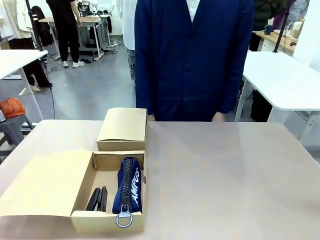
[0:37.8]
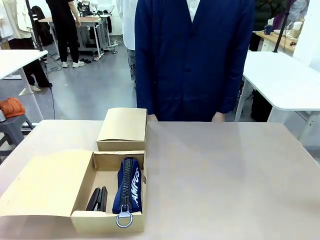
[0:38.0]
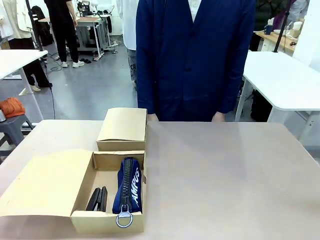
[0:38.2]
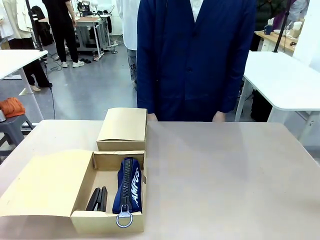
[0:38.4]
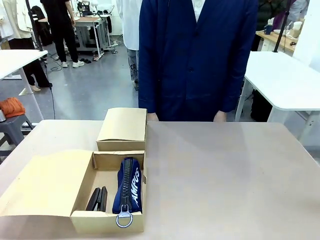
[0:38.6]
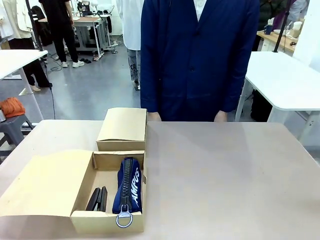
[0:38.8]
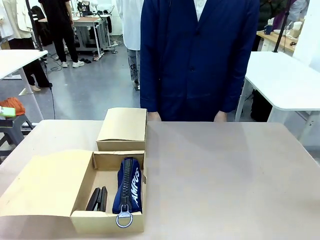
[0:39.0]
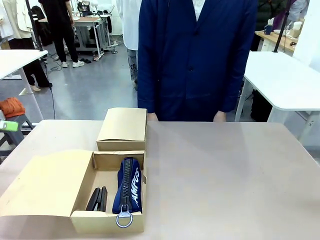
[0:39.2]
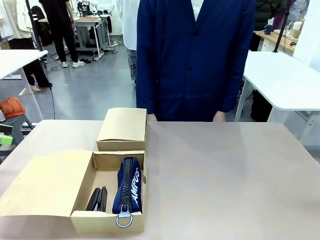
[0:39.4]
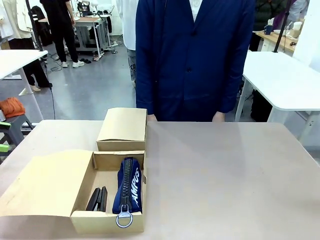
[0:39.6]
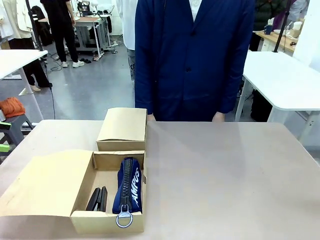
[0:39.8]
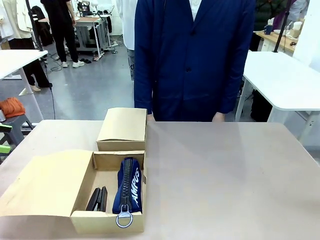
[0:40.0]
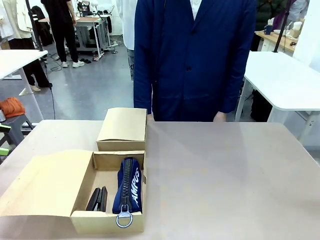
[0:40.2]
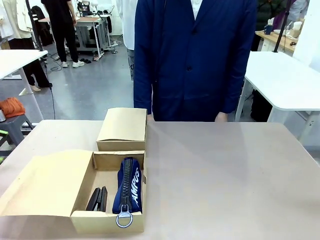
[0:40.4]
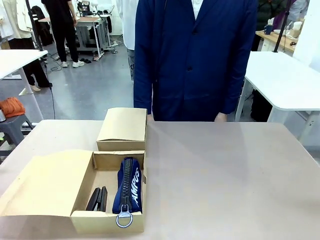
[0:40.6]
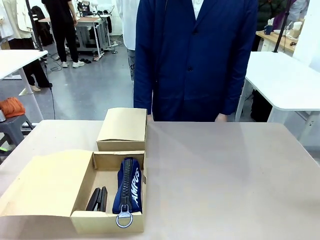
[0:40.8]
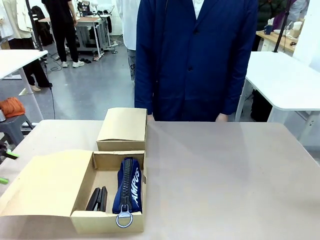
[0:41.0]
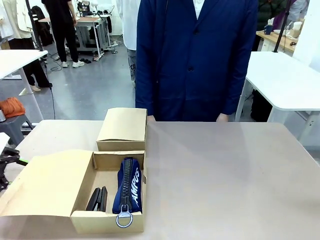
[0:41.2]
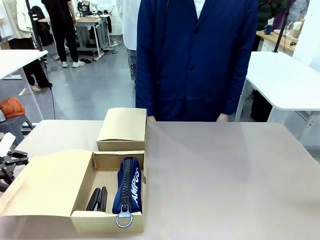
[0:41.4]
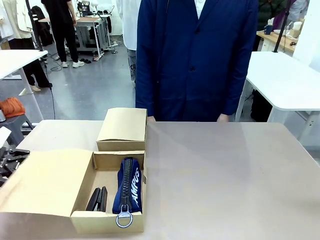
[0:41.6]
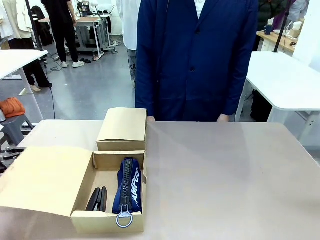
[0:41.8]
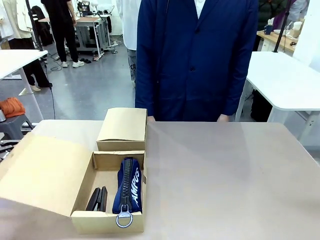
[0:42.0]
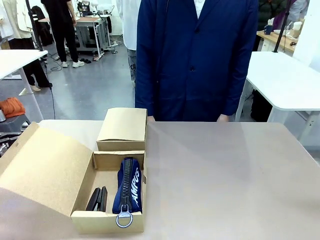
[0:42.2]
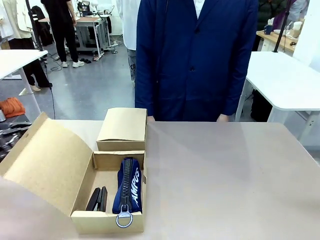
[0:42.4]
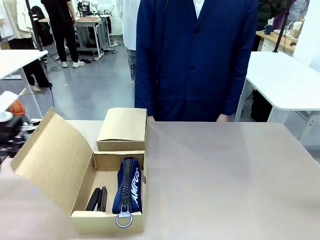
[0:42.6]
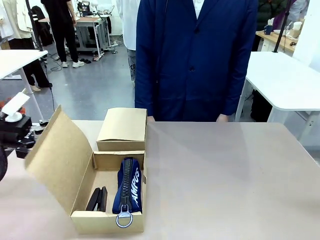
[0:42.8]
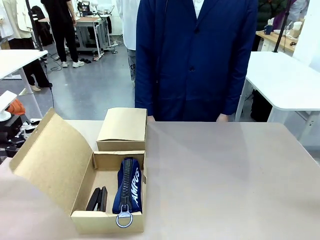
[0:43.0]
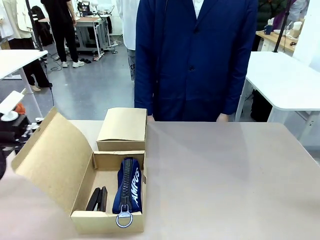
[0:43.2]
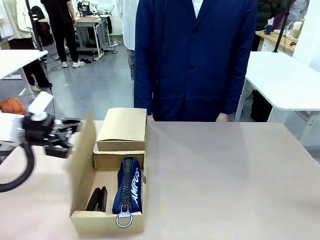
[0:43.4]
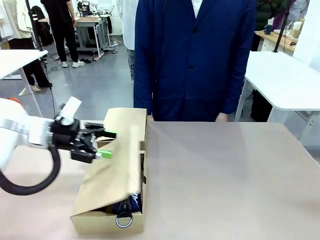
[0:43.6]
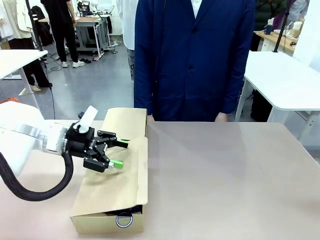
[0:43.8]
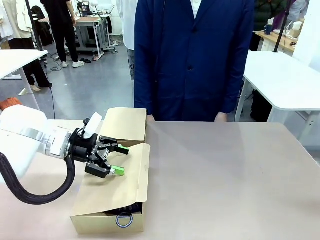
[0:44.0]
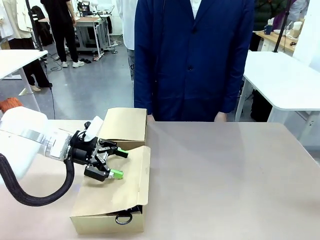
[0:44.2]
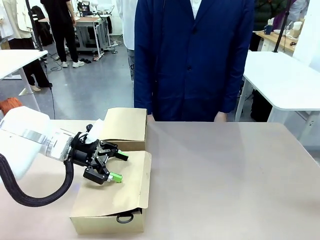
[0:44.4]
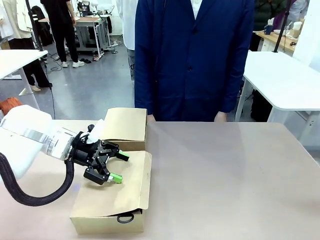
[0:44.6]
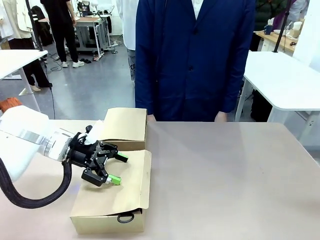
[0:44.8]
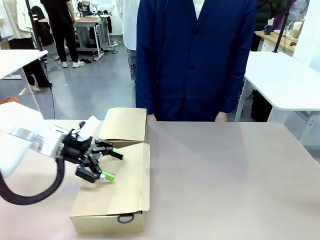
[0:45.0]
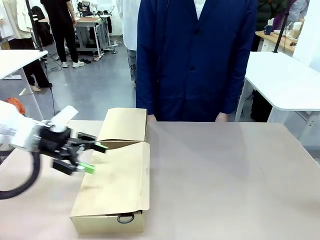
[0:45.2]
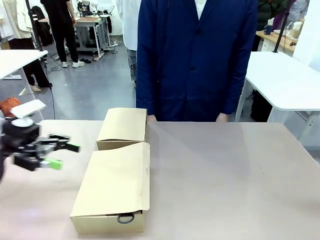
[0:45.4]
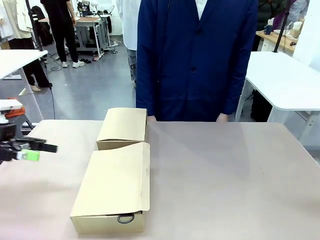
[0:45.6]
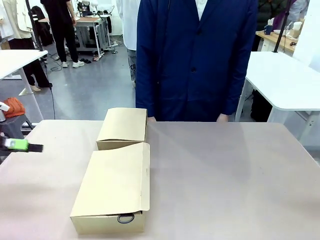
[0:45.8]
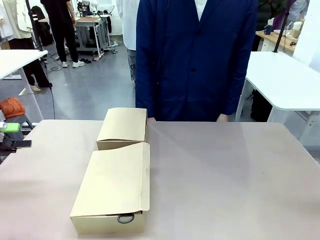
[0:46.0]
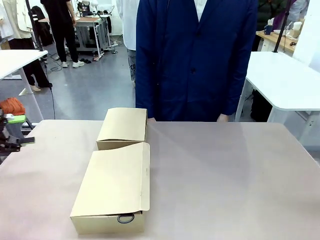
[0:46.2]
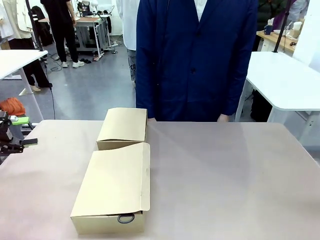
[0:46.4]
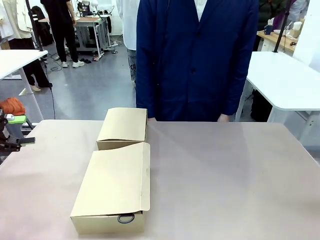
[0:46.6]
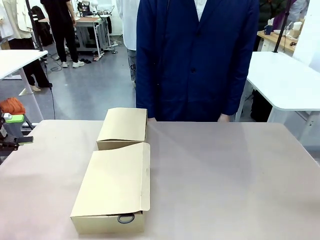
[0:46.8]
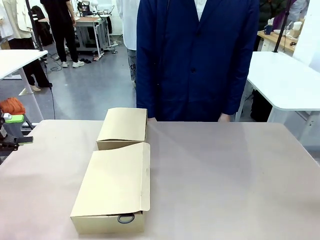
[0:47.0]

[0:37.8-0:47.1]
Task: Place items inside the box.
Robot: Close the lid of the Mailer Box closest to the robot.

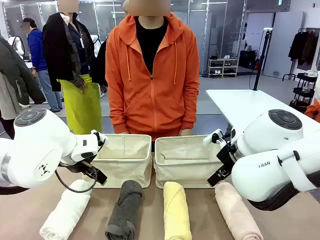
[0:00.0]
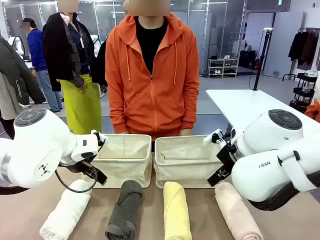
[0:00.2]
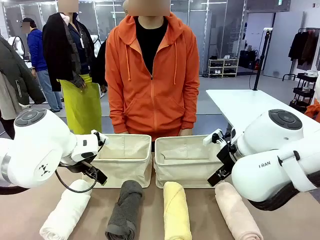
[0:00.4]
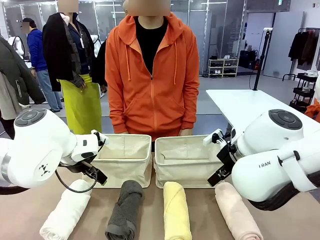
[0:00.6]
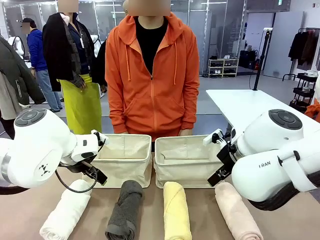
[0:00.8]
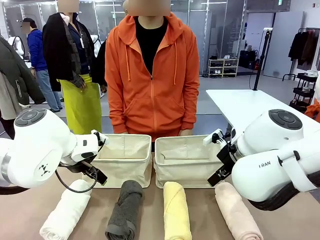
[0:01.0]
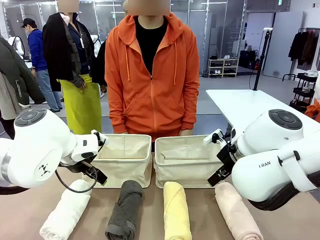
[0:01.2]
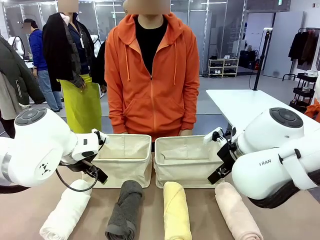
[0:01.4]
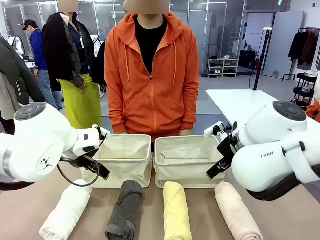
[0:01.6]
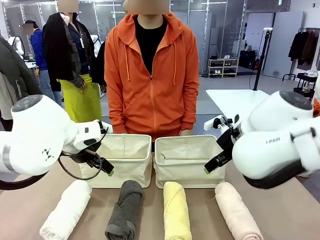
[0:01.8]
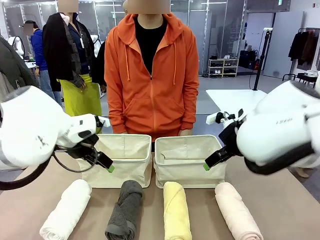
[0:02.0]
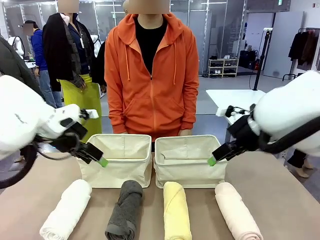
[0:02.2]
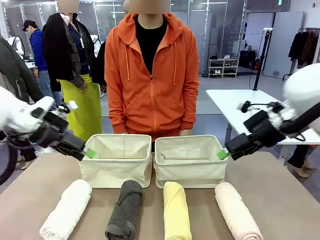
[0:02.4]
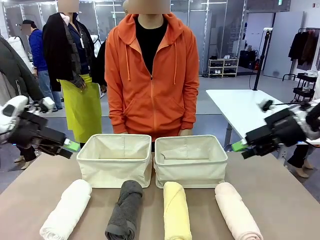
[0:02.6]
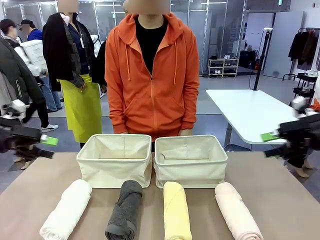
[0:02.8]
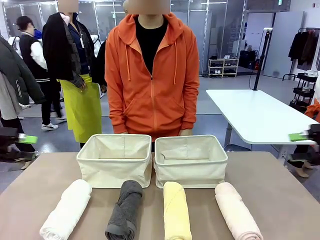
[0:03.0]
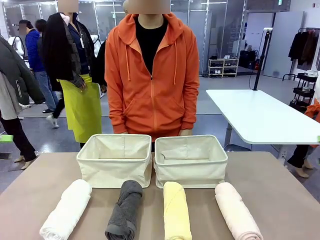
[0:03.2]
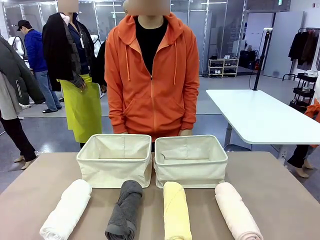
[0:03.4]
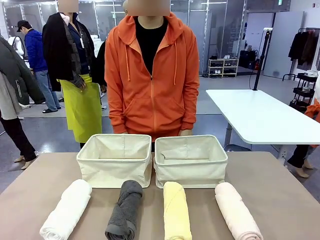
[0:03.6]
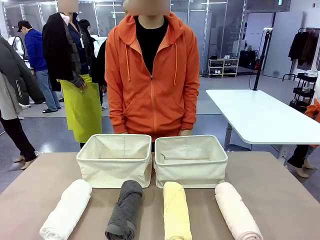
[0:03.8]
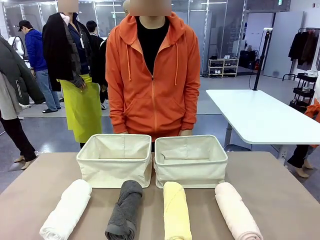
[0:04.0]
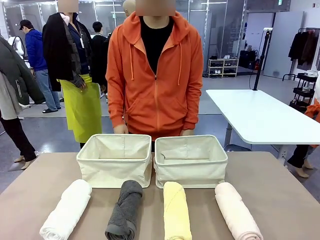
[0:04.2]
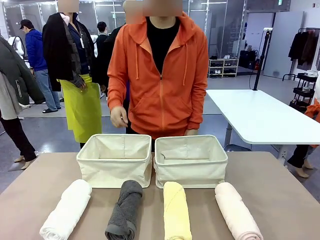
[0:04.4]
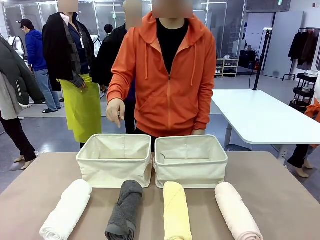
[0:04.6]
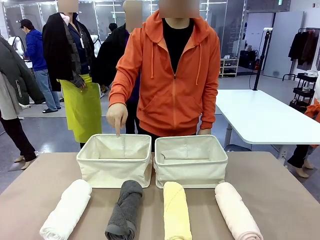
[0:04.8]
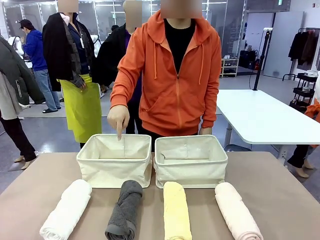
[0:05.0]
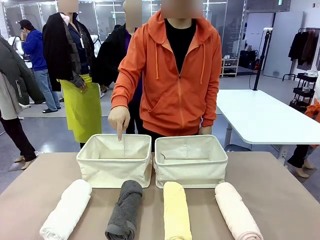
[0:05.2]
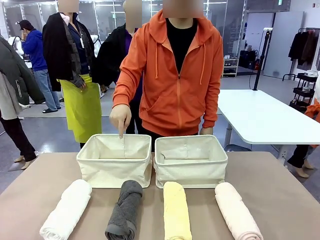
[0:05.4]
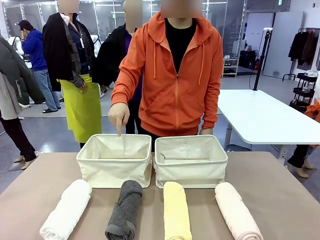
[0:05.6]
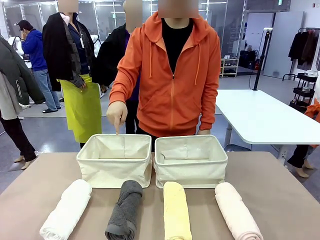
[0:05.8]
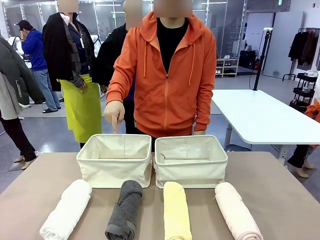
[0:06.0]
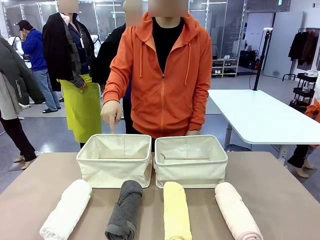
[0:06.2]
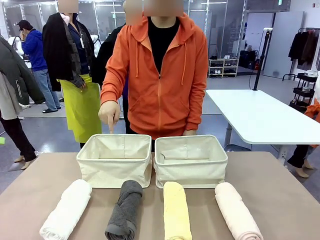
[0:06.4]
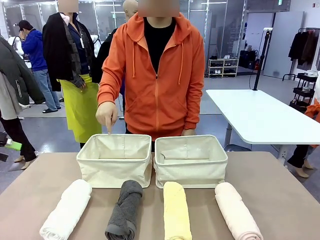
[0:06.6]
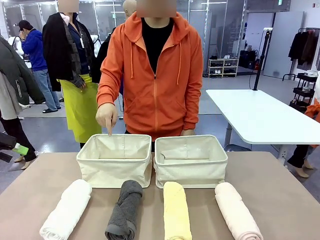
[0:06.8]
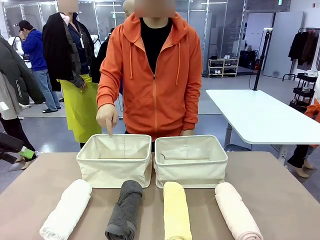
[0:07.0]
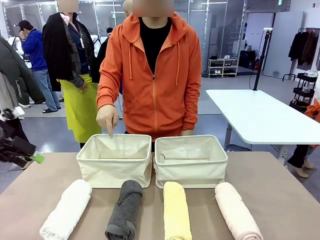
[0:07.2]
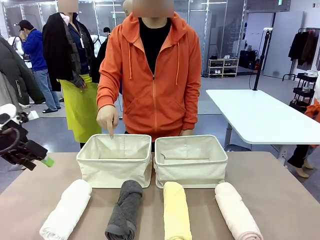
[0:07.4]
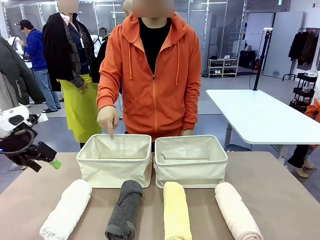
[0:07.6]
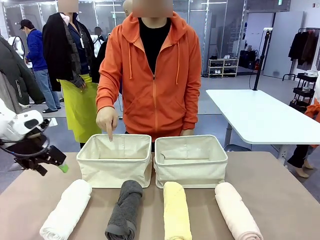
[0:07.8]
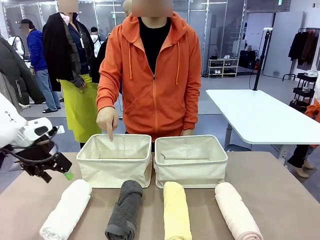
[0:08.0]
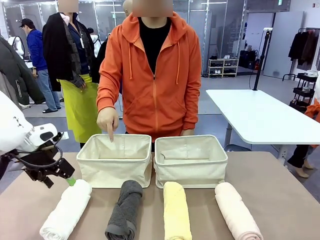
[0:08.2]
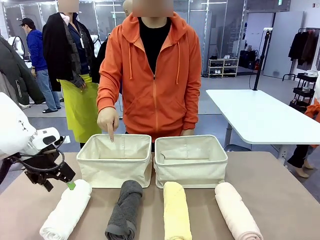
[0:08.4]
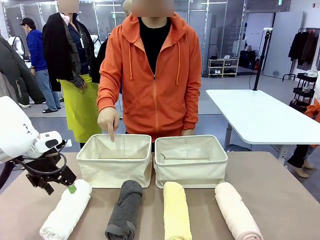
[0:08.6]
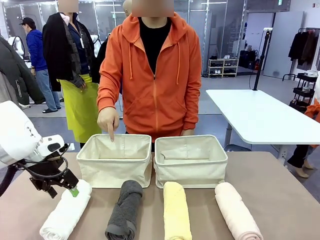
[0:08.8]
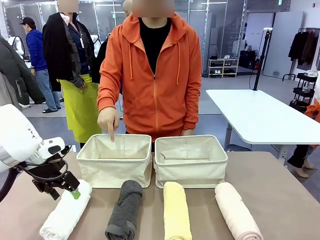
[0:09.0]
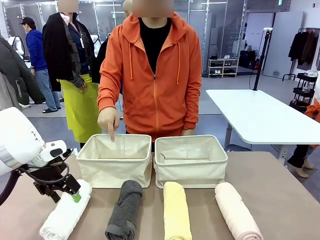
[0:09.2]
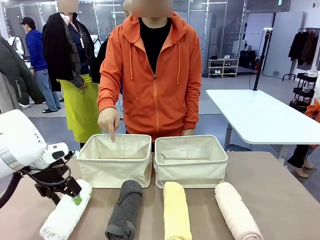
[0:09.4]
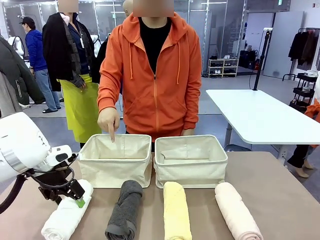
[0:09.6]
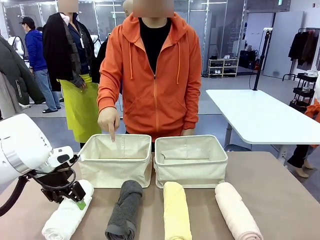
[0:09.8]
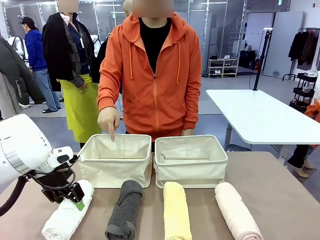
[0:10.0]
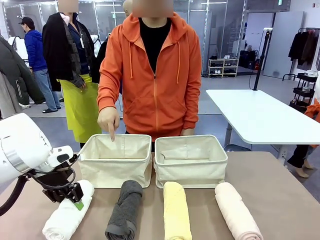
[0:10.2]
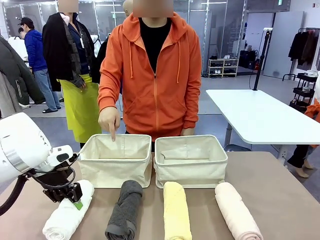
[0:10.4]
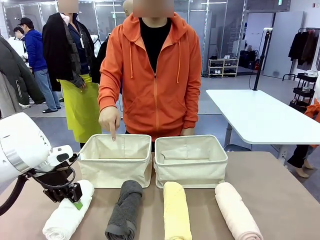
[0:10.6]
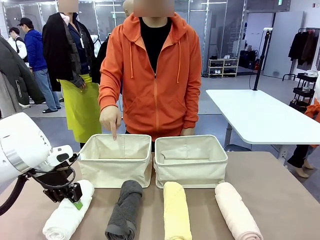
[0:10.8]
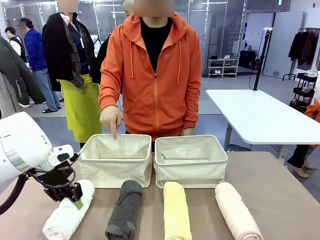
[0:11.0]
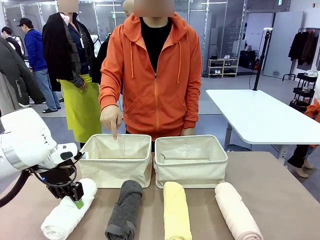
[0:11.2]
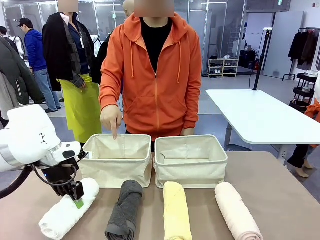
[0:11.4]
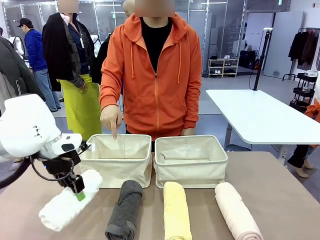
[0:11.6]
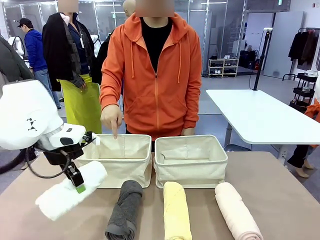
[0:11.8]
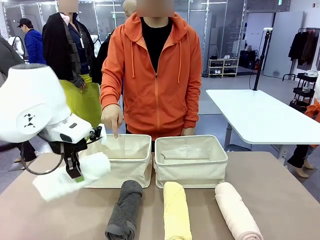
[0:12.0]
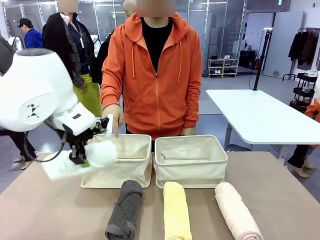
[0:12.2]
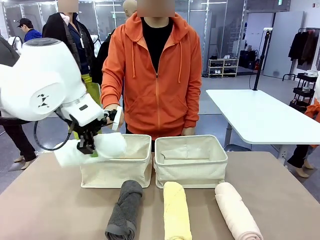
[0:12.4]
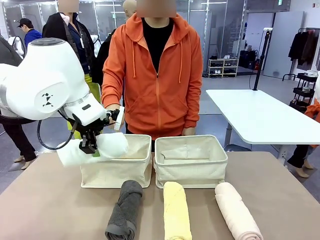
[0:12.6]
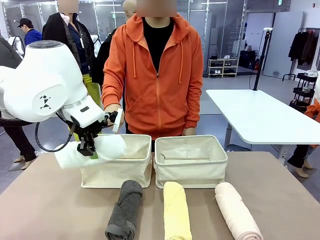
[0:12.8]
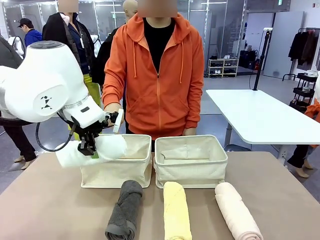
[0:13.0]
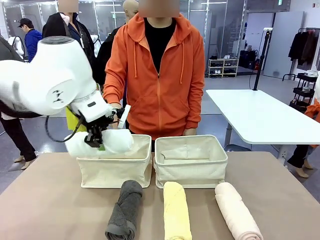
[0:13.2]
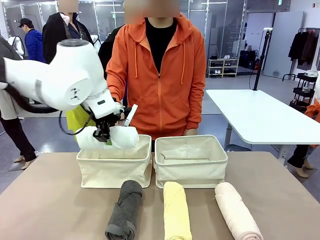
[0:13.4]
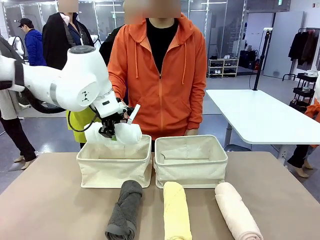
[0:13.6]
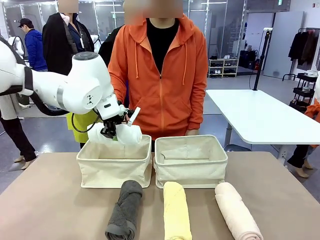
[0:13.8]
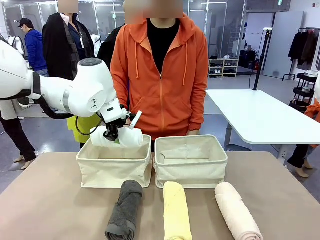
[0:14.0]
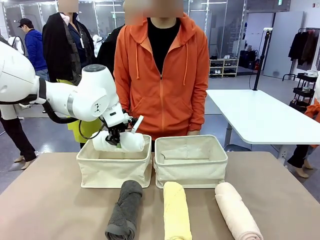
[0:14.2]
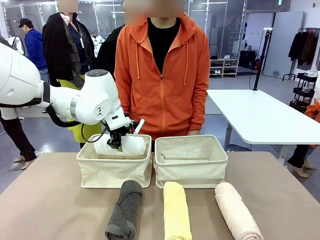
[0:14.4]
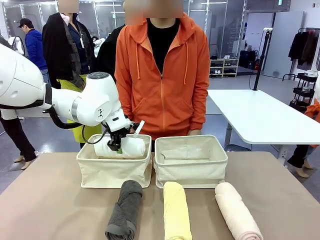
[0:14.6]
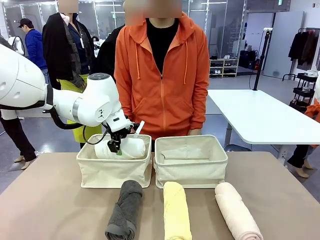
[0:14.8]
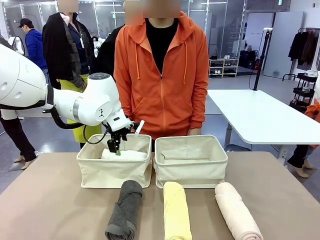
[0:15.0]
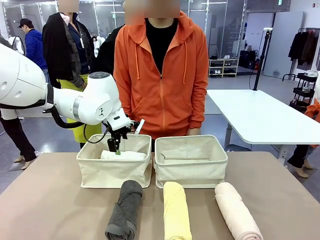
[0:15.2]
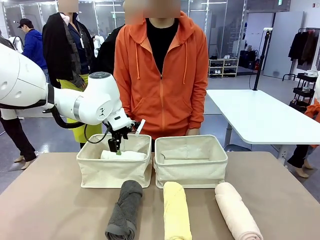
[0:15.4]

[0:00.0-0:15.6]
Task: Divide the towels into two baskets.
Robot: Pick up one hotel-folded towel and place it in the Fabric basket indicated by the person.
